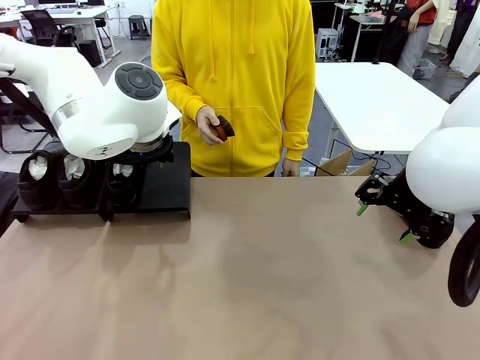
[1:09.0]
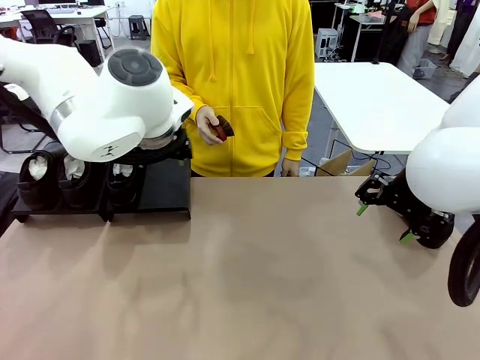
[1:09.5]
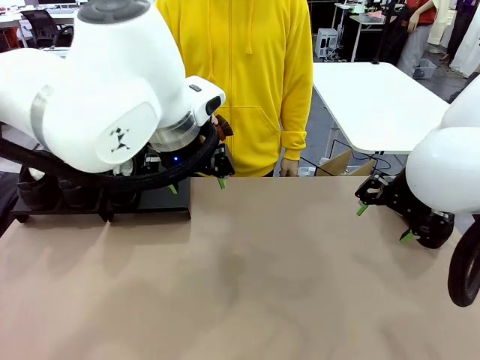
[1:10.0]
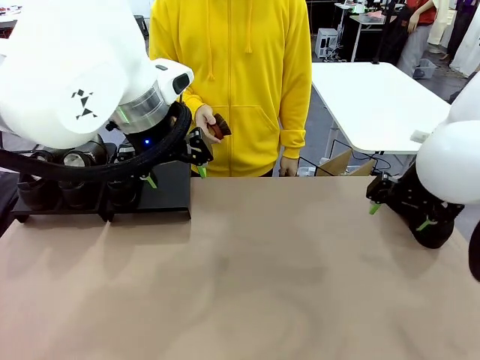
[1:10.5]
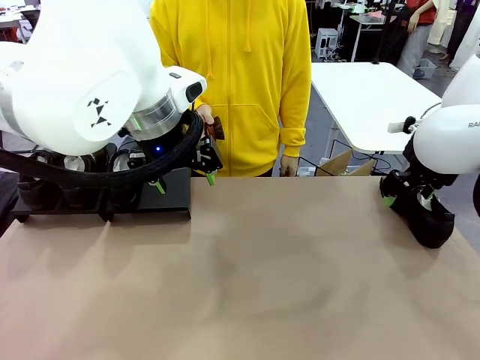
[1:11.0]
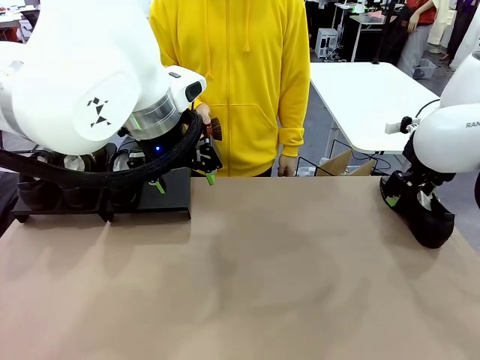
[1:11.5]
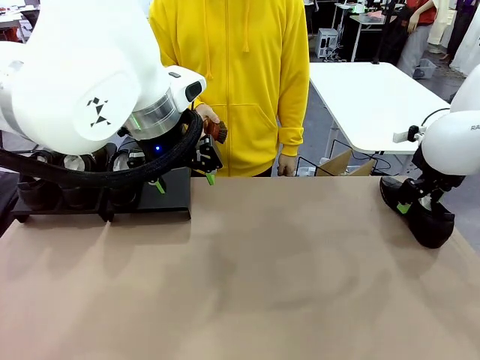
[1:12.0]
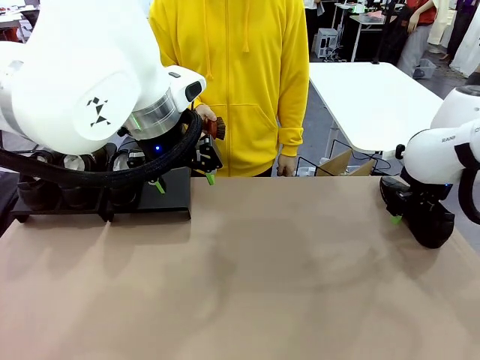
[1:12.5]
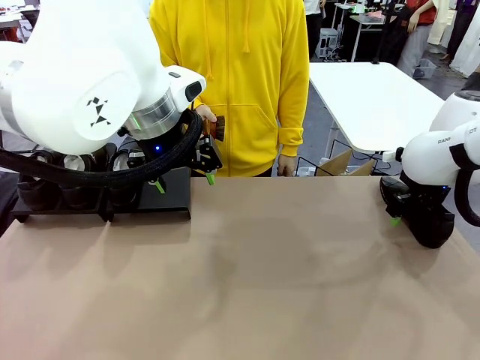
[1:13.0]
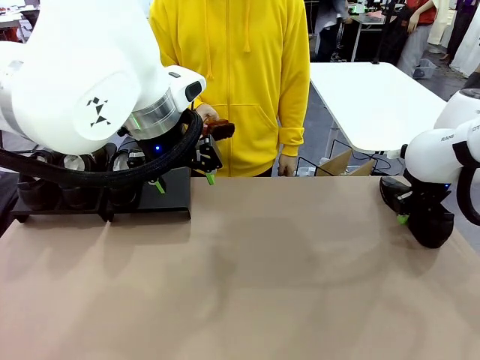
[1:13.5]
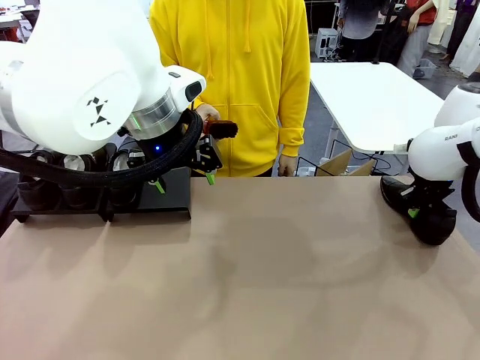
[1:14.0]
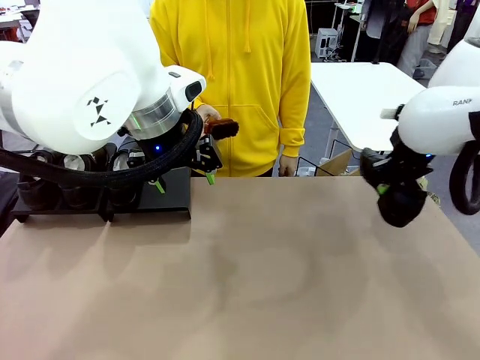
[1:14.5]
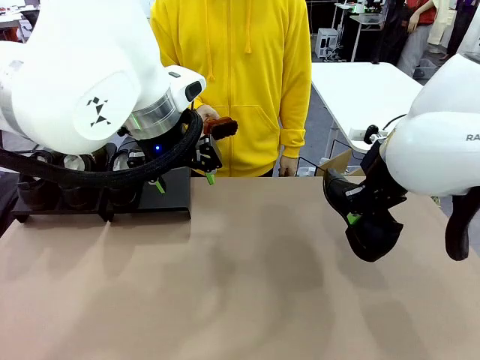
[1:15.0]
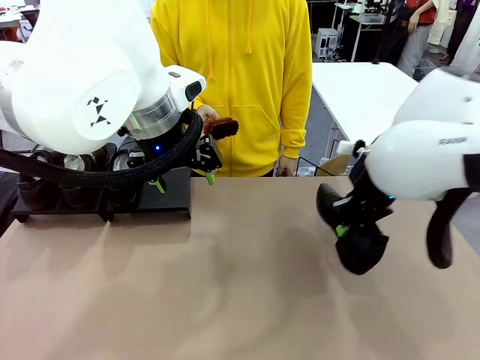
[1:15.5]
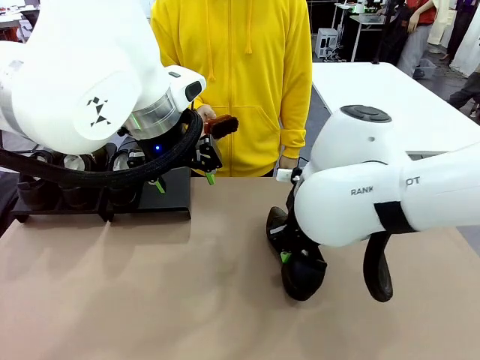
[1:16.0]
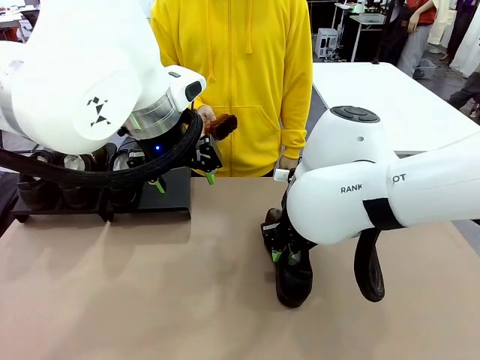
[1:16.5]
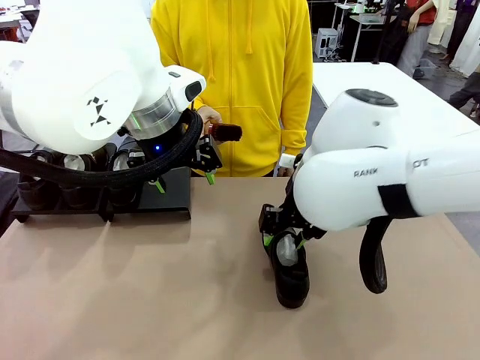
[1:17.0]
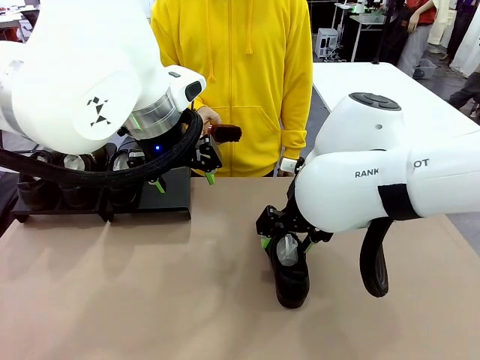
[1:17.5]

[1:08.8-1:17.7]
Task: Organize the shoes by placing them on the stand.
Robot: Pick up one Shoe and place it in the middle of the table.

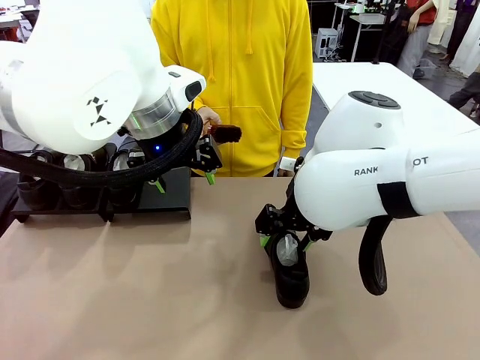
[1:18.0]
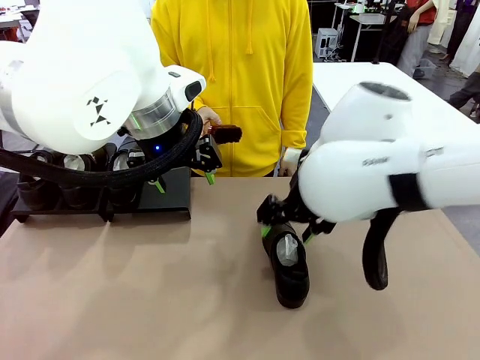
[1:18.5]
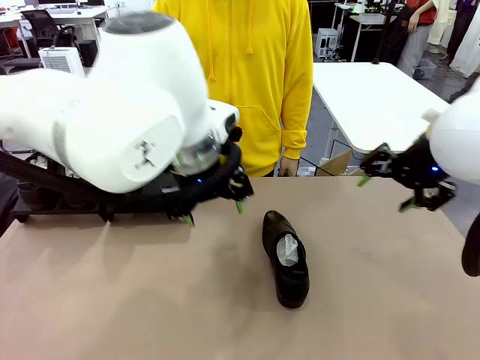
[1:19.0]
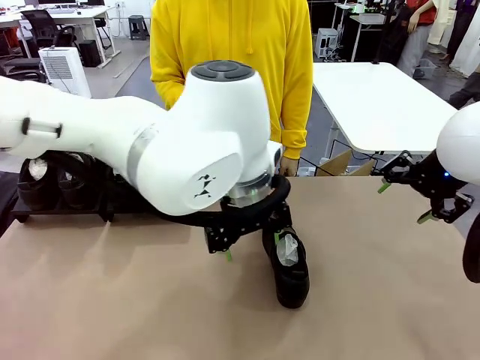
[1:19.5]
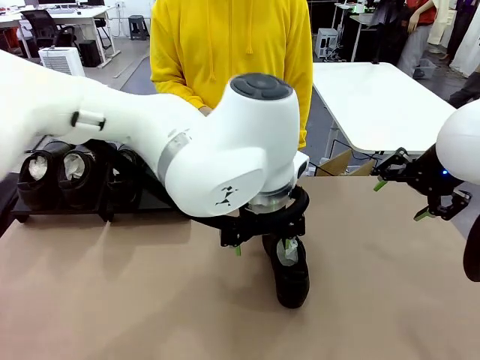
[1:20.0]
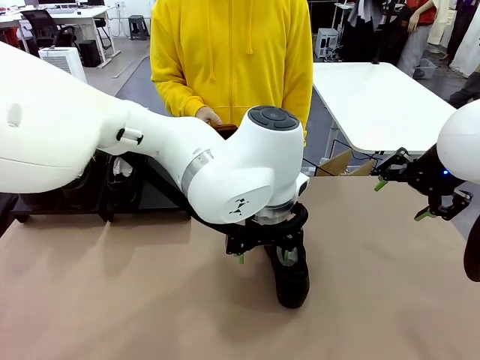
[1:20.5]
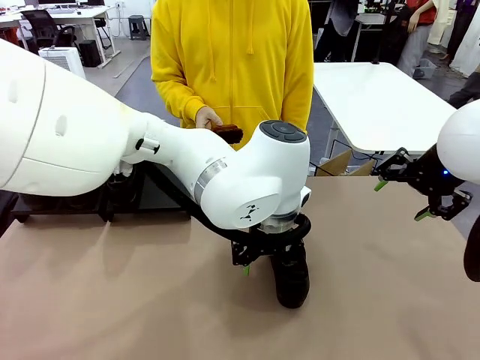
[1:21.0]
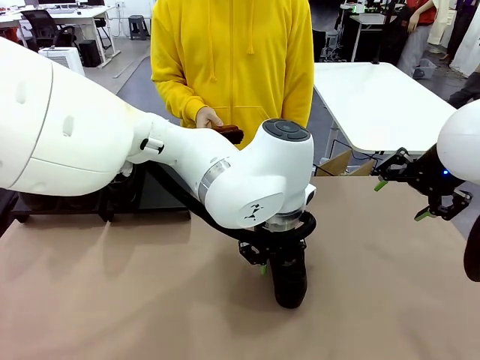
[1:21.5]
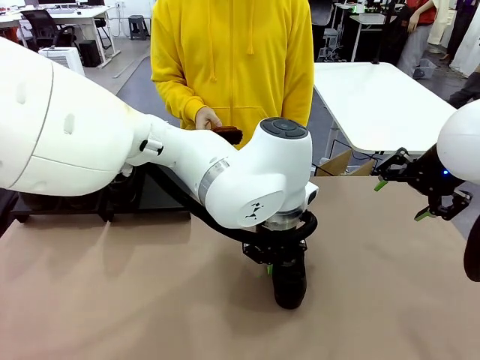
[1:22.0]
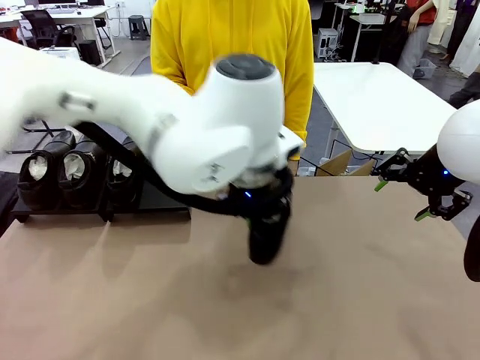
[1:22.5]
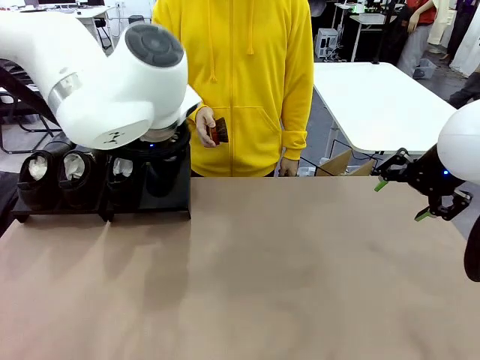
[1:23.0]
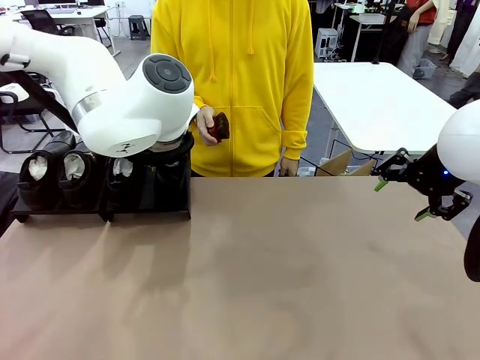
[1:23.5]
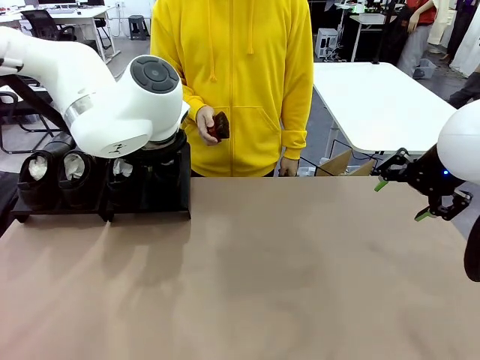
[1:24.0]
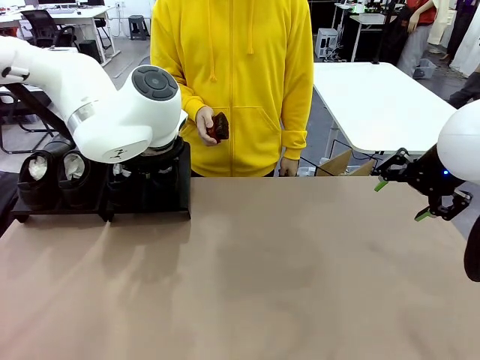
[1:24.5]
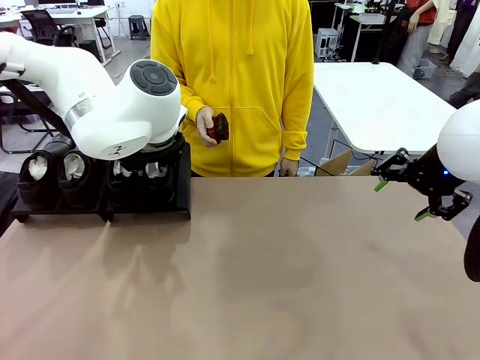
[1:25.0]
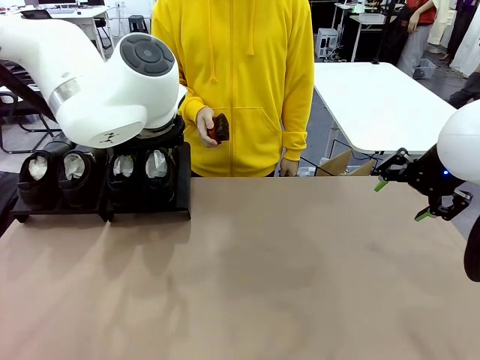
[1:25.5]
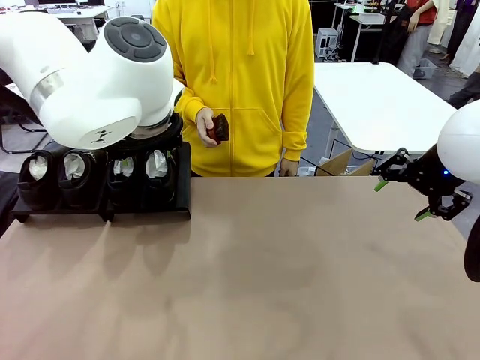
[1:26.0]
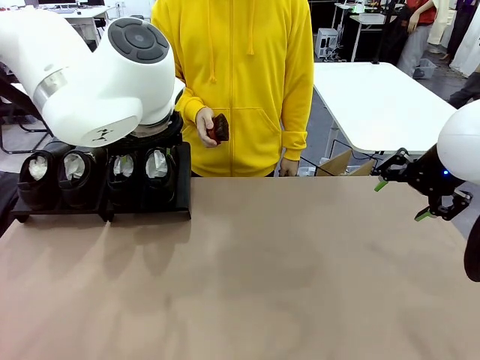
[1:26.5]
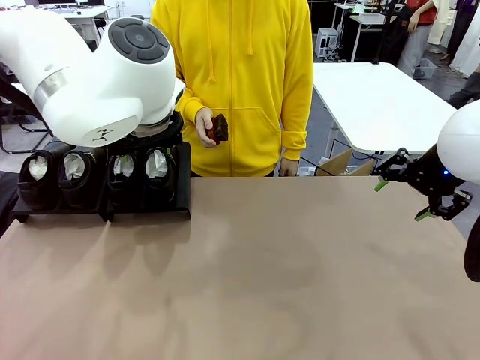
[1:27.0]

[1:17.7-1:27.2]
Robot: Place the Shoe from the middle of the table onto the Shoes Stand.

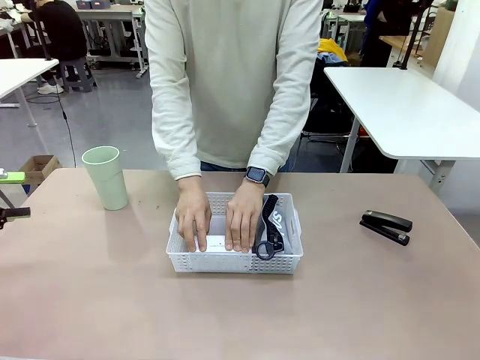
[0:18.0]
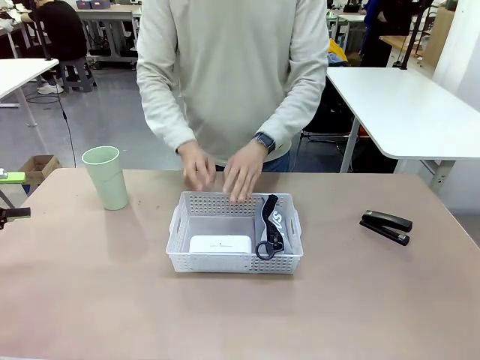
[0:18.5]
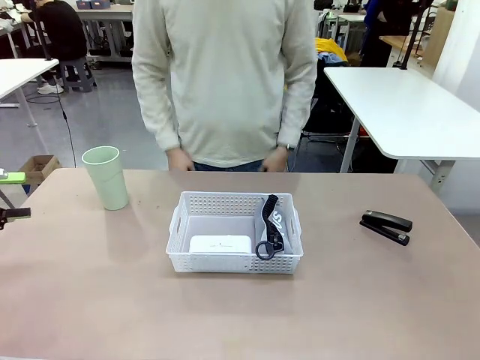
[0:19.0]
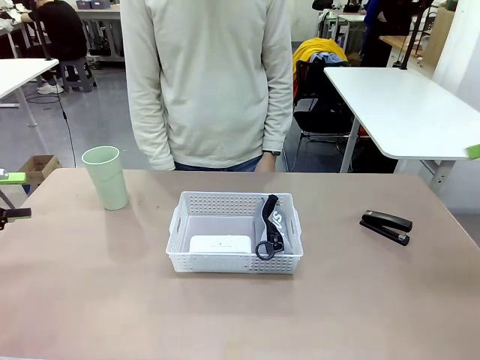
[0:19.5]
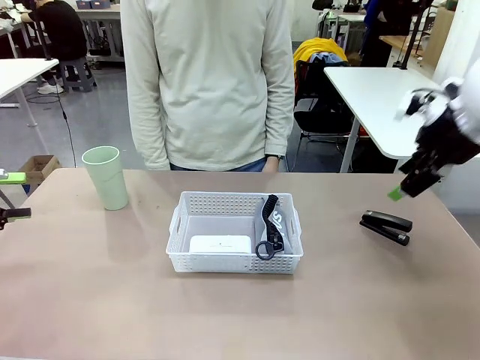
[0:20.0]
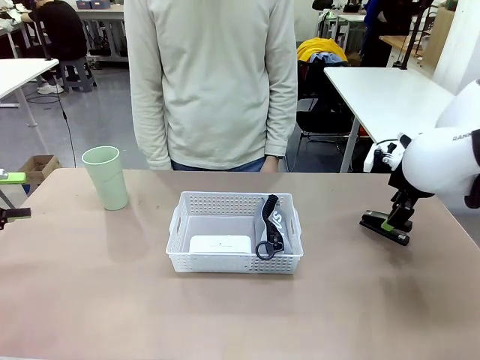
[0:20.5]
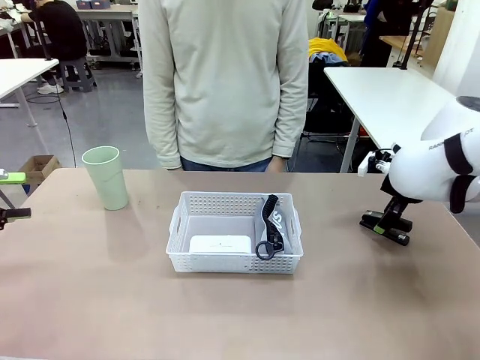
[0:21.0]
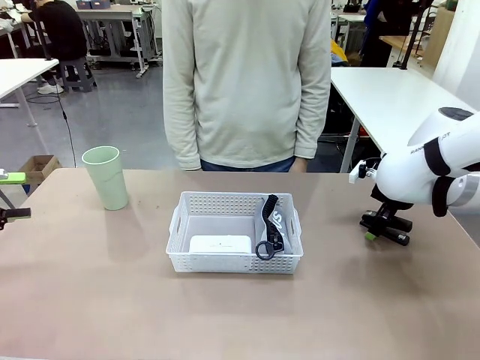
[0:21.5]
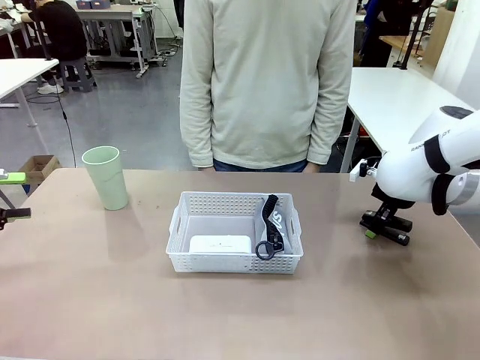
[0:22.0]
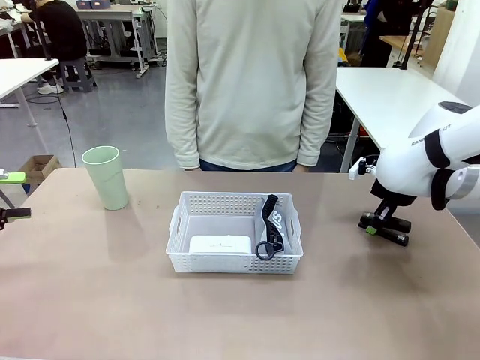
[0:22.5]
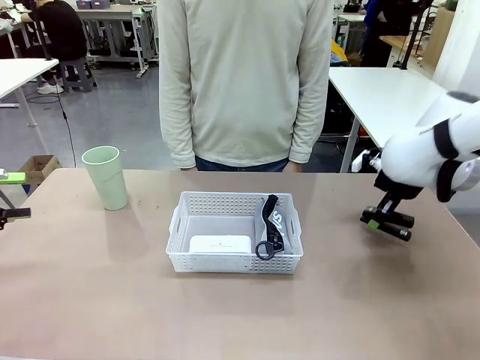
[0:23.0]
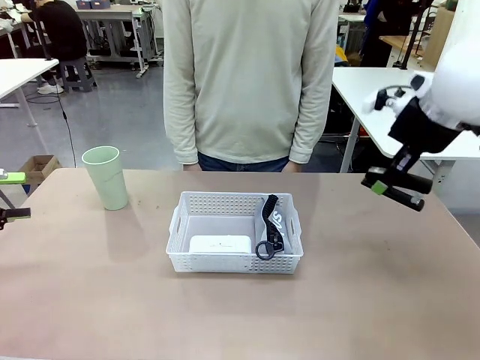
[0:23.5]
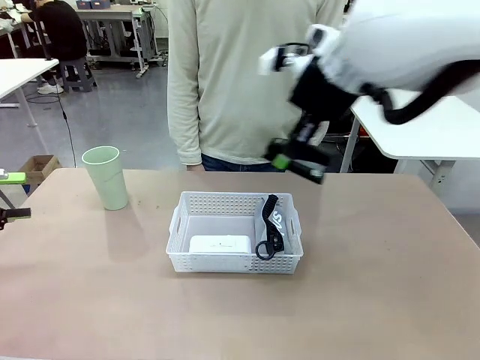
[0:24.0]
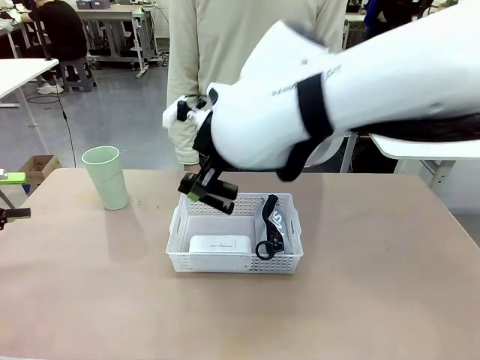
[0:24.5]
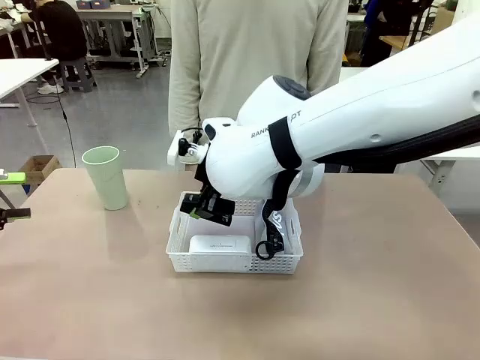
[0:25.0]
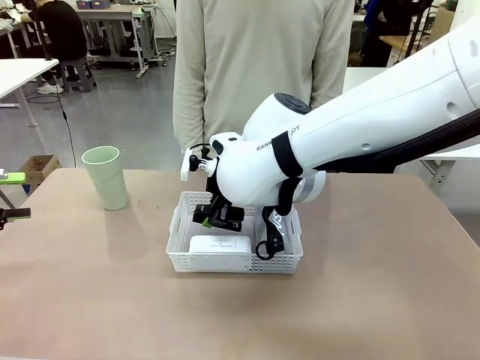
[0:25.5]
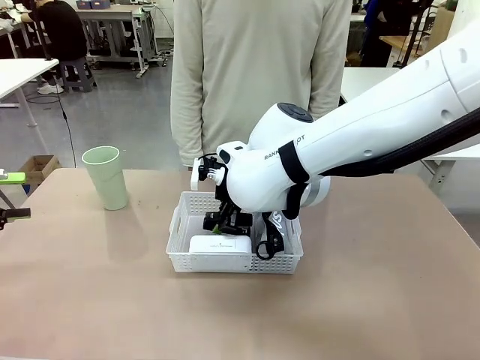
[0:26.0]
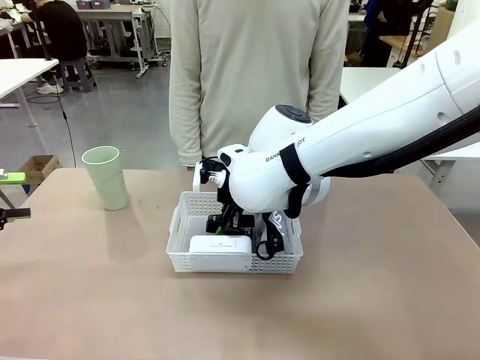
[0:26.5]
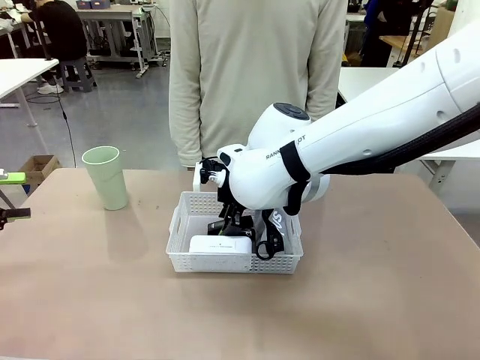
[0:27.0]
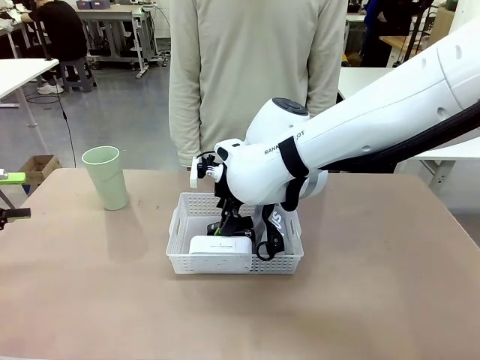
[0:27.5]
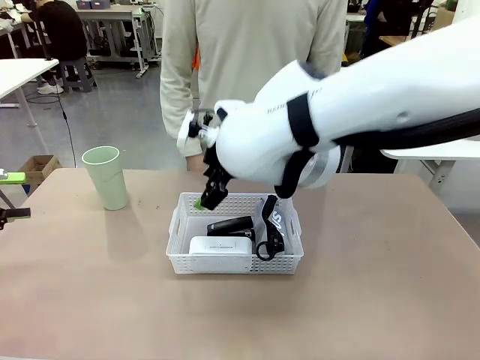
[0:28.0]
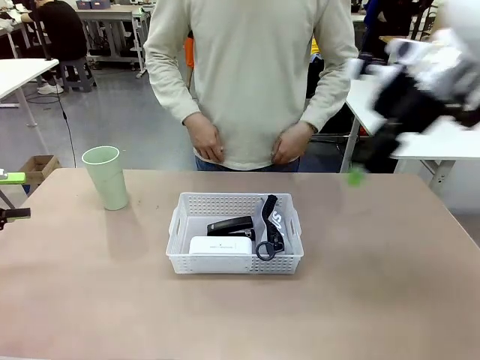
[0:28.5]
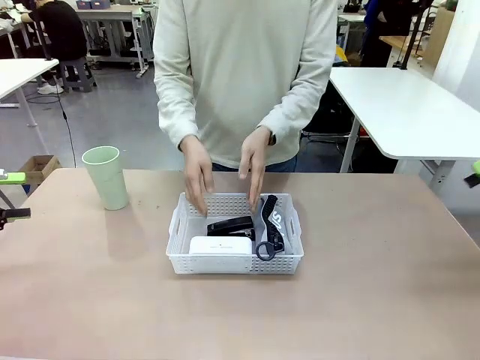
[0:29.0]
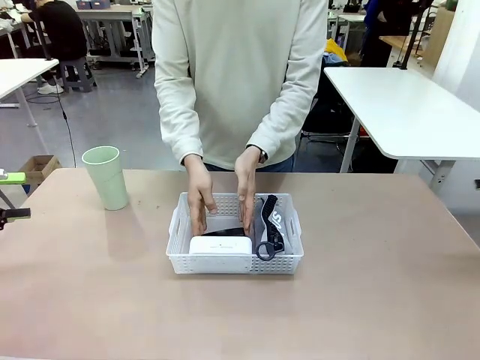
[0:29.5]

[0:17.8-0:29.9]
Task: Efficiently arrange items inside the basket to fit them all.
Robot: Pick up the Stapler and place it inside the Organizing basket.
